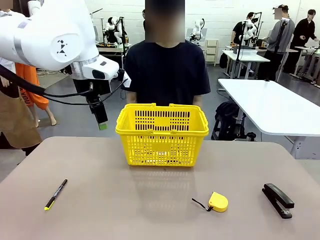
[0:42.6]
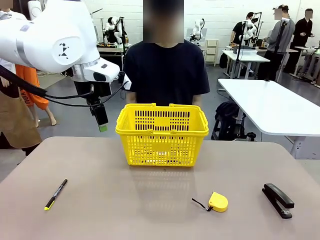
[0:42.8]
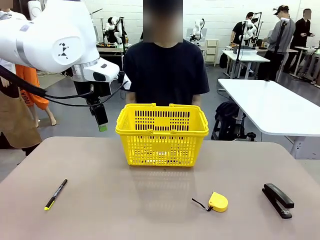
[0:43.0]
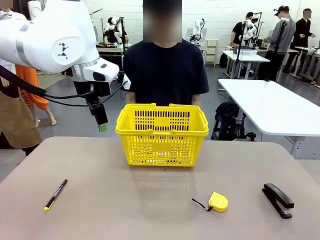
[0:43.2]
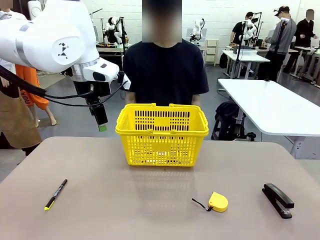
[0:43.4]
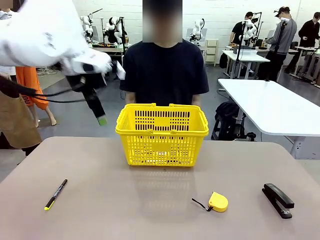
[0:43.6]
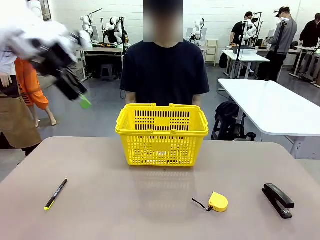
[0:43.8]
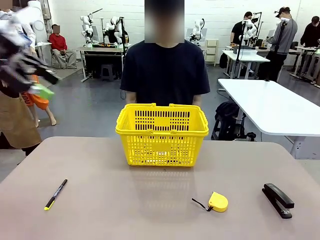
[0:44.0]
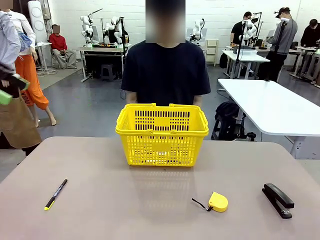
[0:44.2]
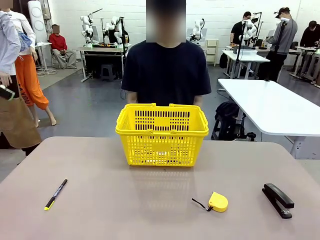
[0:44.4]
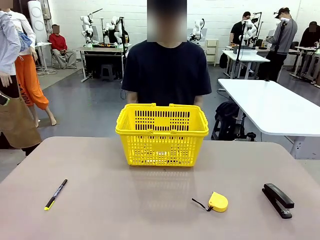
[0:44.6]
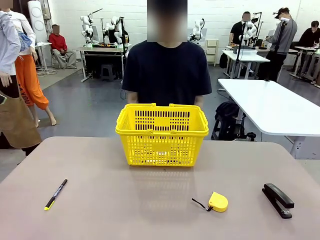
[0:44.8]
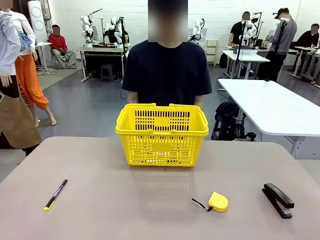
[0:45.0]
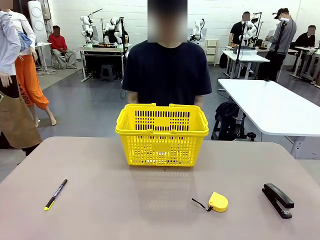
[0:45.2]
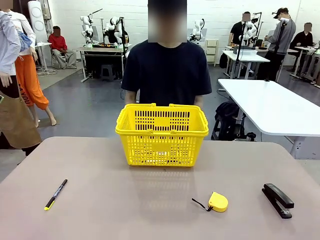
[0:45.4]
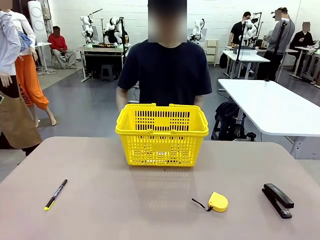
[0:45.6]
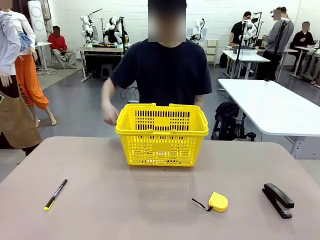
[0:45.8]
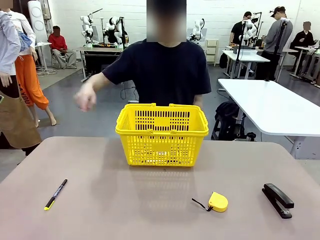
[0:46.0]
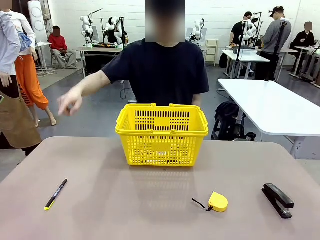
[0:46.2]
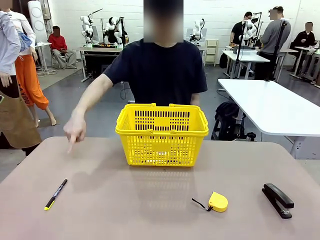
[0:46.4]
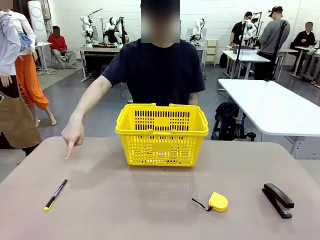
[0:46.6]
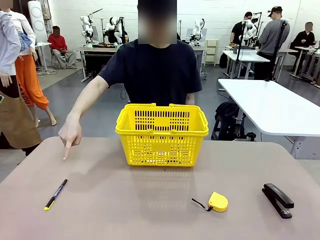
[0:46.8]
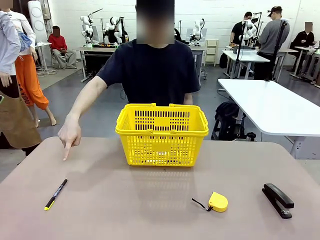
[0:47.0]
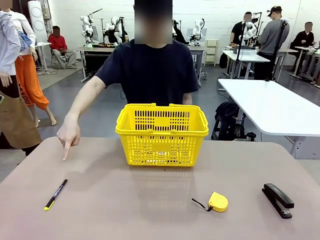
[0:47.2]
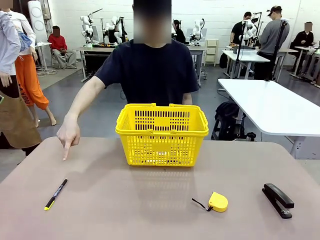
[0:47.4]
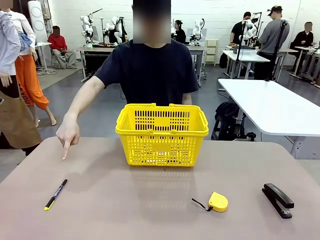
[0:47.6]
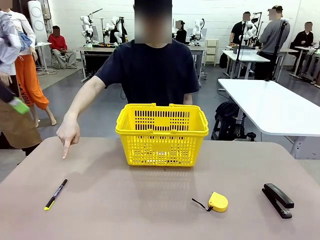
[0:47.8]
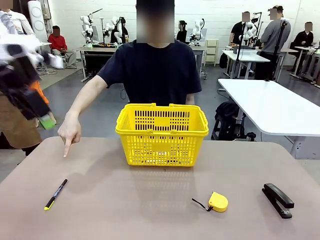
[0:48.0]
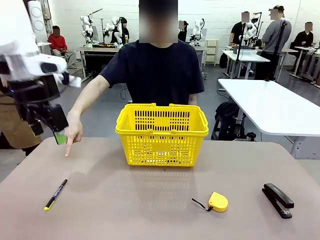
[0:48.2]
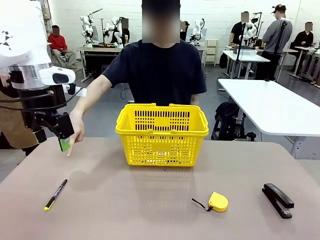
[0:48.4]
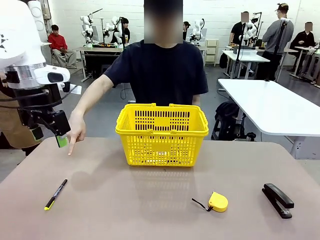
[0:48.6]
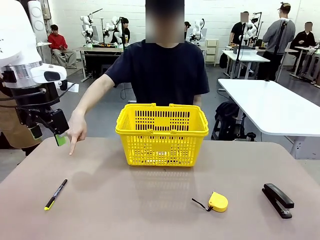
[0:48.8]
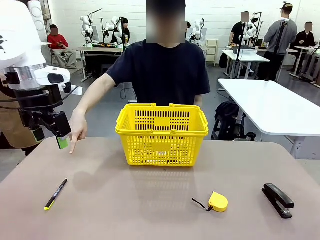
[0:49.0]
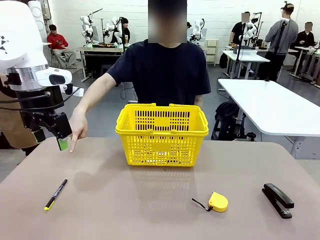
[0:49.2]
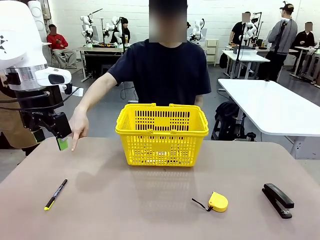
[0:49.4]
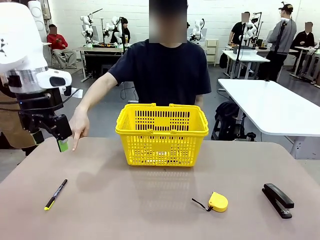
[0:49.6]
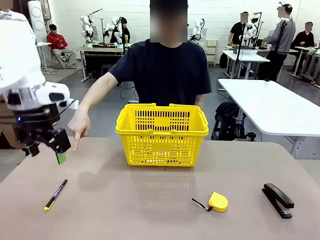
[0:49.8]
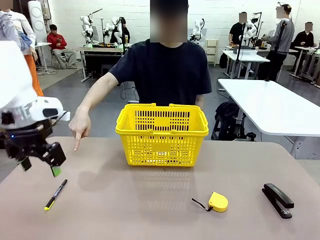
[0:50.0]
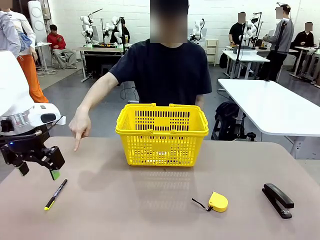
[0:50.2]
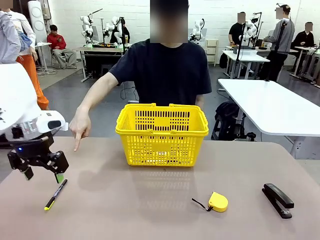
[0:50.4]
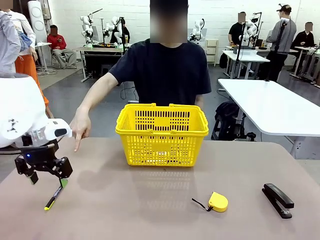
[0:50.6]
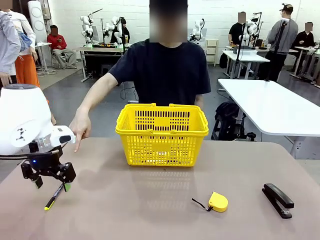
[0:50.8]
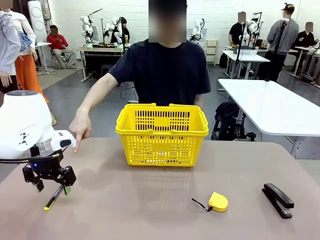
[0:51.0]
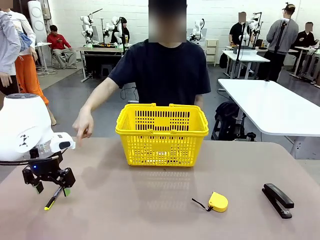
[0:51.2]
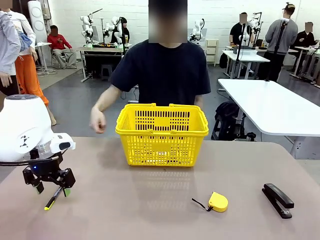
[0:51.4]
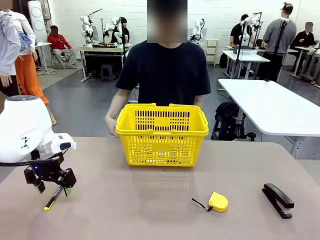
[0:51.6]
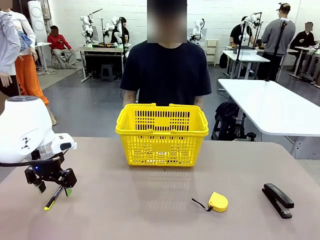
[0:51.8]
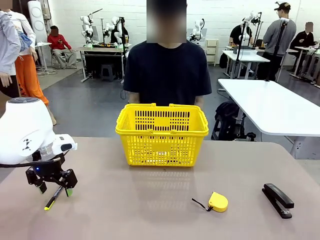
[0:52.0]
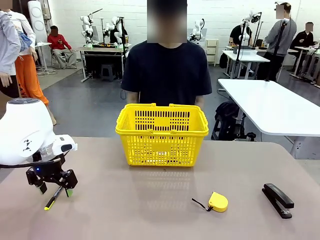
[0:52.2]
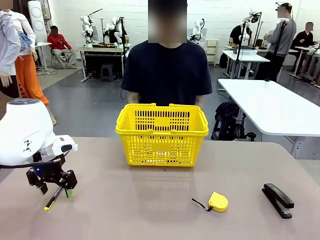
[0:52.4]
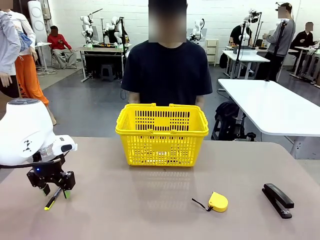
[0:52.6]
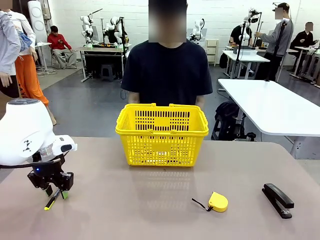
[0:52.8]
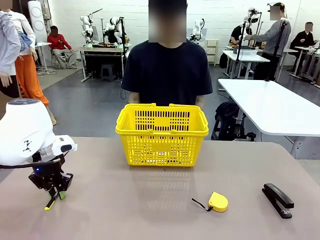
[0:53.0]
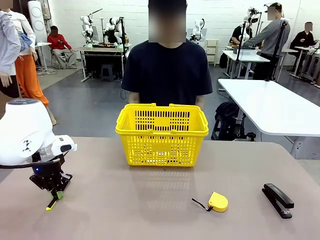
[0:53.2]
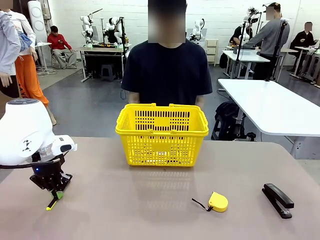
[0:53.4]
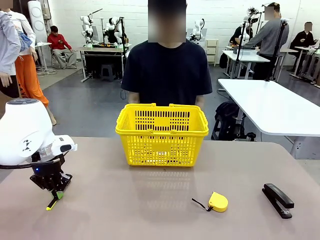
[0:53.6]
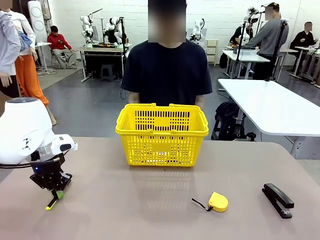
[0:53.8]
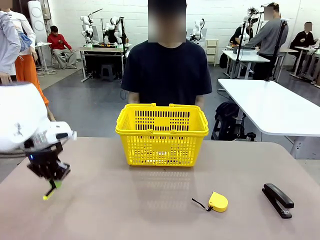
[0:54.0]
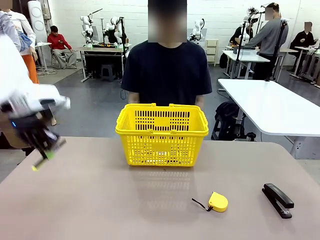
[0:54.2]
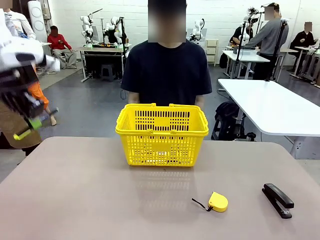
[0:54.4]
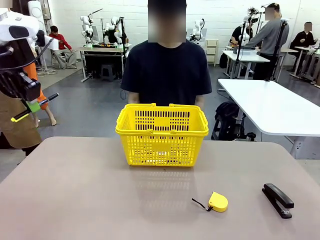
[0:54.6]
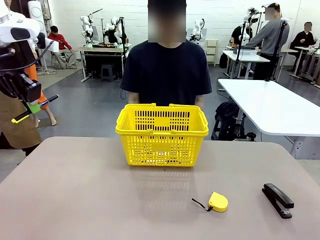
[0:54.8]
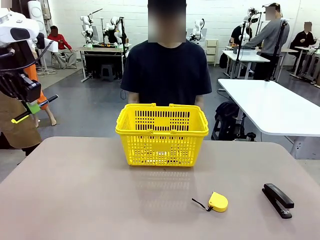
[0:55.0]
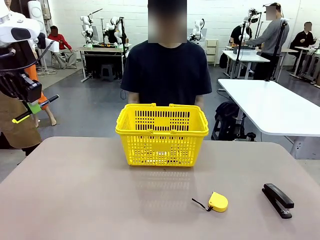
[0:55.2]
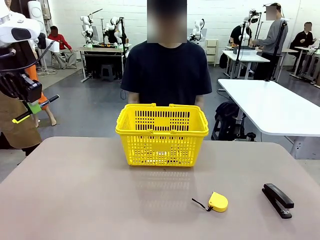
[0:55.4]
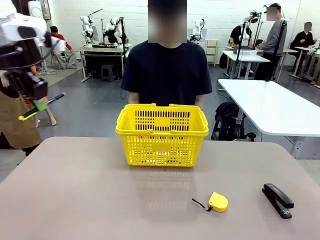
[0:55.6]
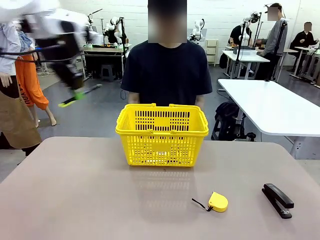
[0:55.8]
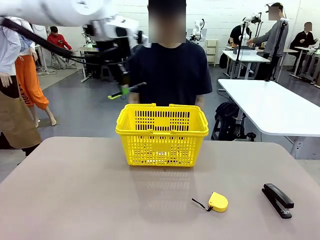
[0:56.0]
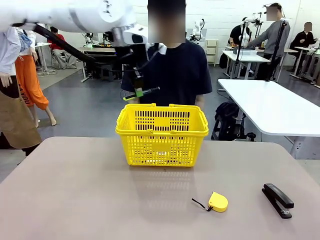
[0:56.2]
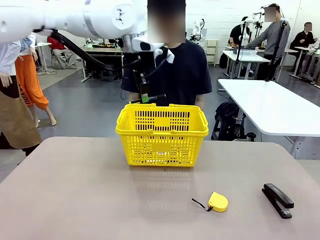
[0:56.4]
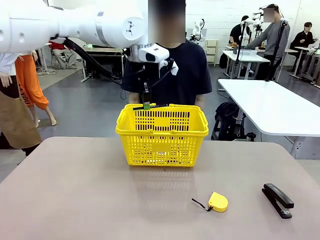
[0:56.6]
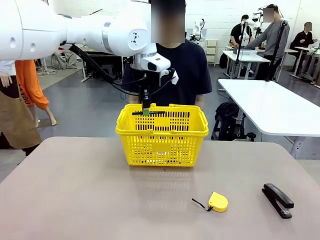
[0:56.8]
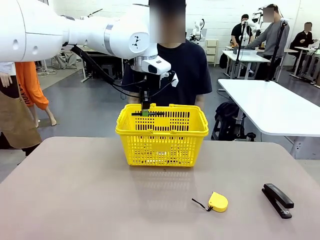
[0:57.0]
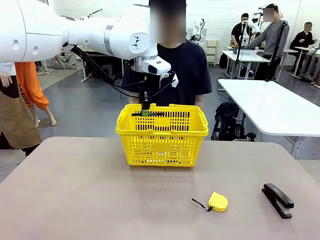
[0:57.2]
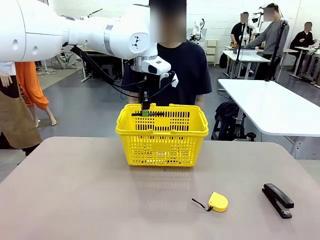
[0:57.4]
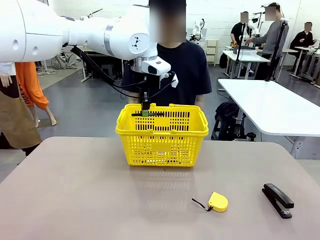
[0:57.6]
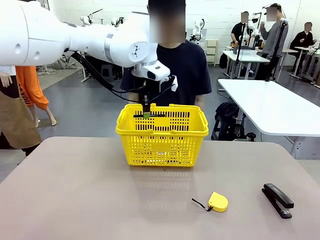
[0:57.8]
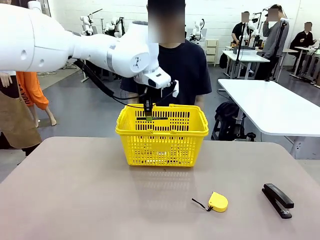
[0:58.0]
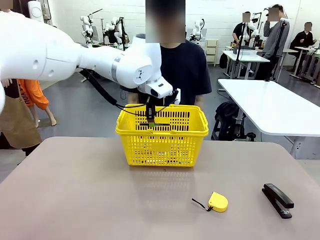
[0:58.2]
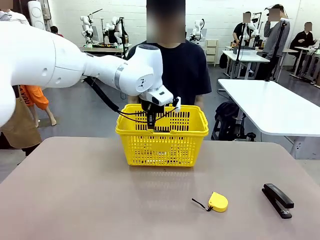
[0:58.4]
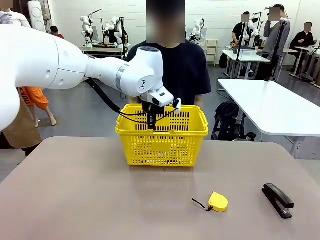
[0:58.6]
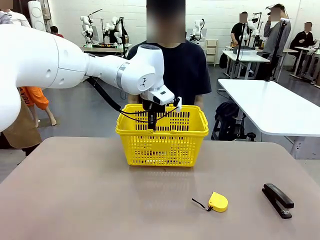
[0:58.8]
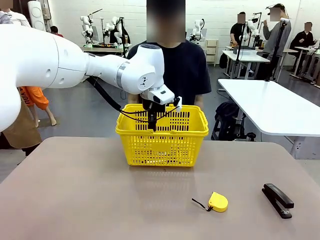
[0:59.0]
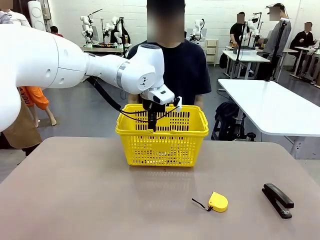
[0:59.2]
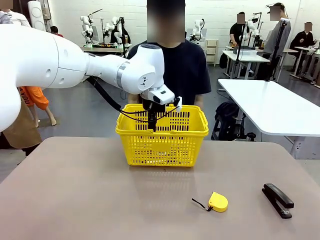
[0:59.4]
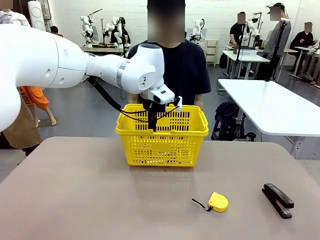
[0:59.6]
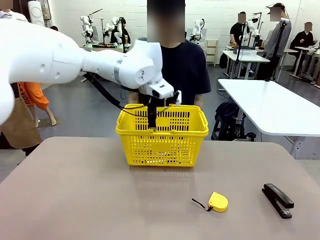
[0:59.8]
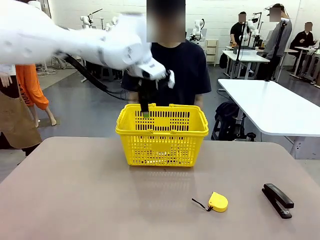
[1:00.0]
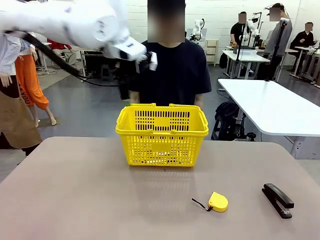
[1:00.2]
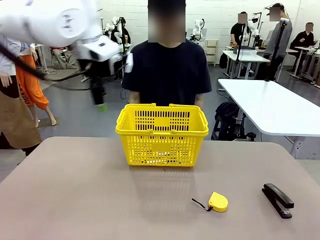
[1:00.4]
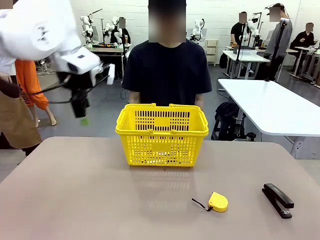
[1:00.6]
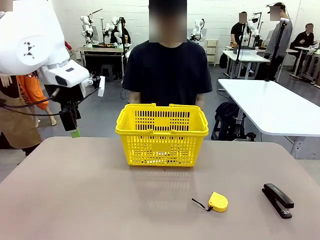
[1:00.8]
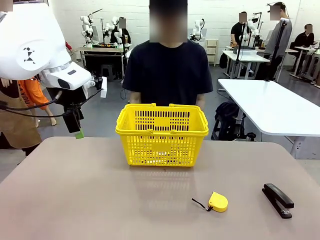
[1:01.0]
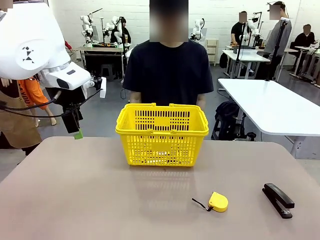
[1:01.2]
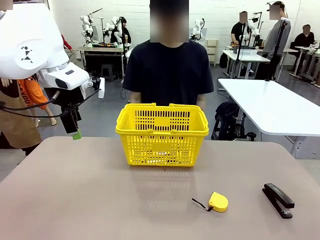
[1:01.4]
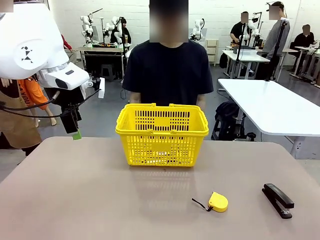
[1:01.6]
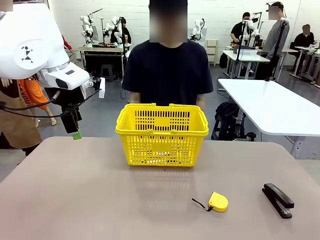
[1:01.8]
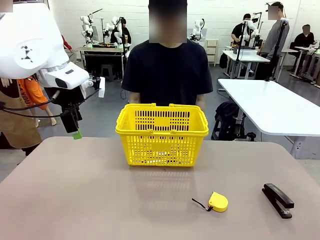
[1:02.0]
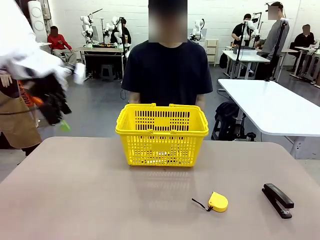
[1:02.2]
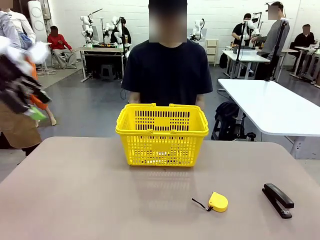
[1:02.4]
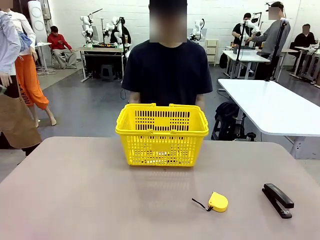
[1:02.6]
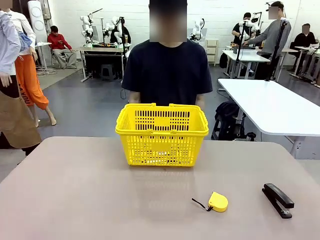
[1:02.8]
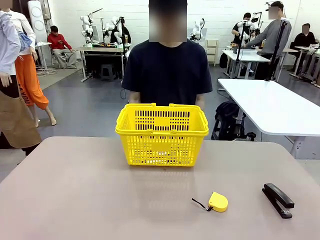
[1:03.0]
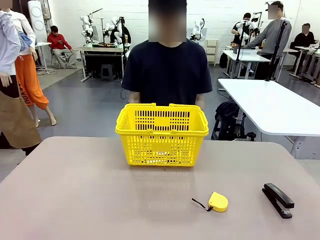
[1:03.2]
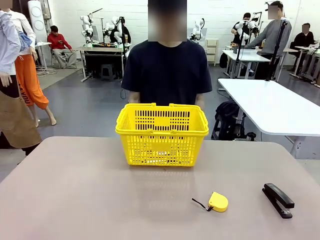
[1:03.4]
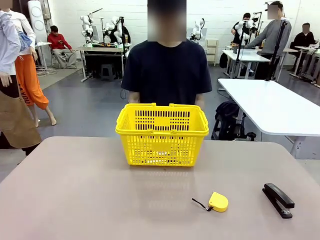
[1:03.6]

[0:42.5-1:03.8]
Task: Place the items the person wants into the basket.
Robot: Pick up the item the person points to and place it in the Market Basket.
